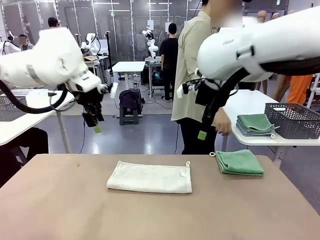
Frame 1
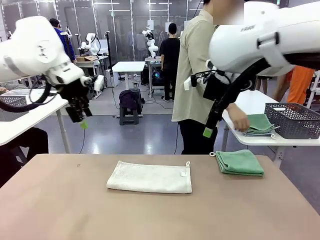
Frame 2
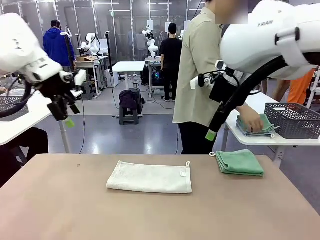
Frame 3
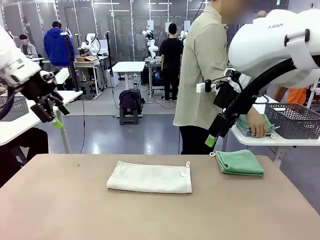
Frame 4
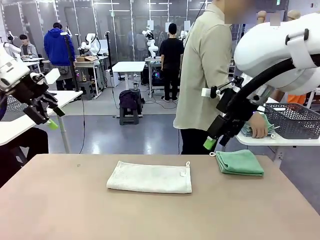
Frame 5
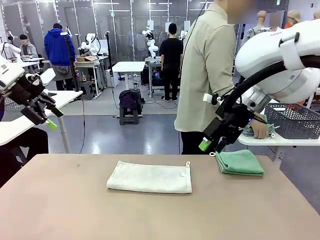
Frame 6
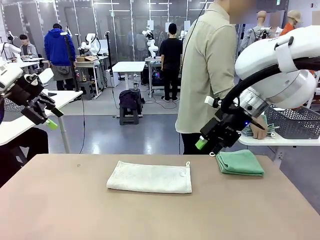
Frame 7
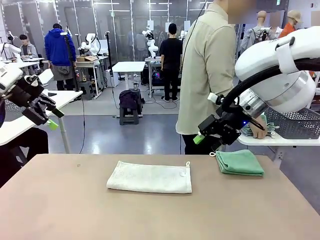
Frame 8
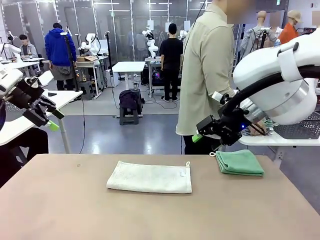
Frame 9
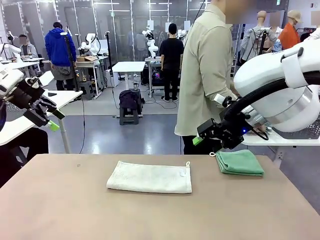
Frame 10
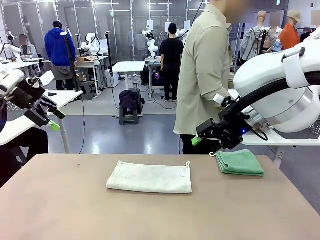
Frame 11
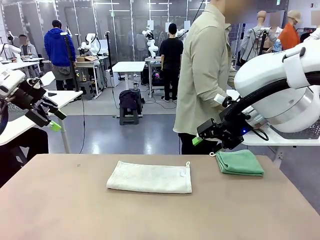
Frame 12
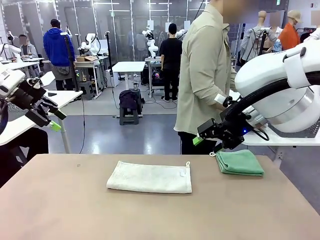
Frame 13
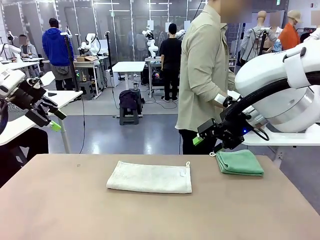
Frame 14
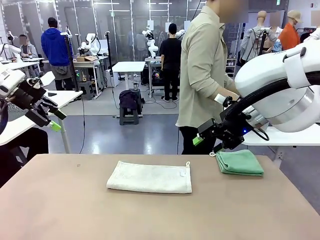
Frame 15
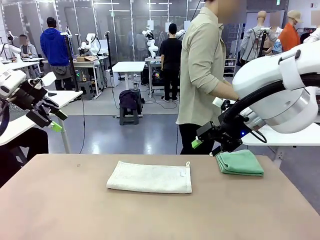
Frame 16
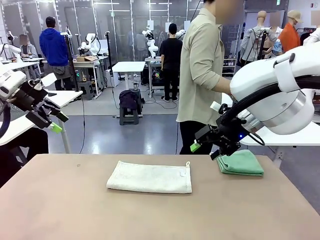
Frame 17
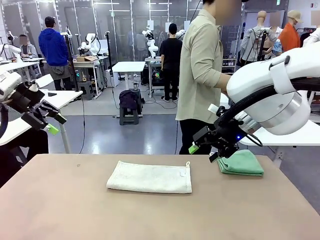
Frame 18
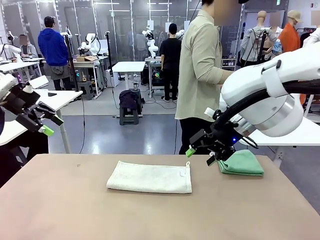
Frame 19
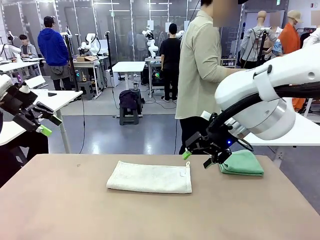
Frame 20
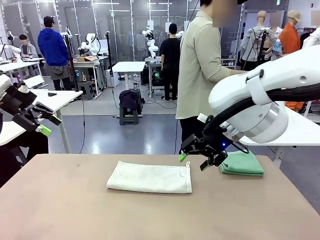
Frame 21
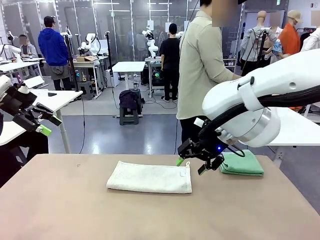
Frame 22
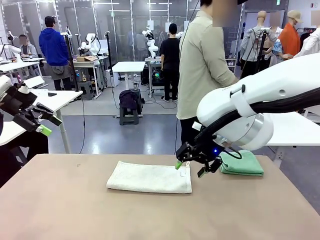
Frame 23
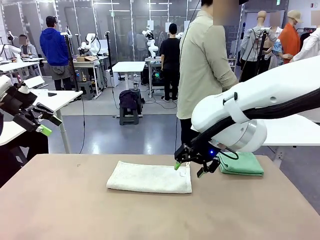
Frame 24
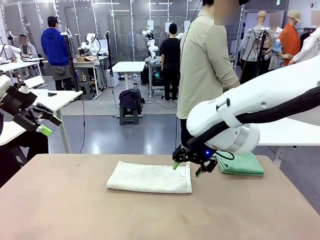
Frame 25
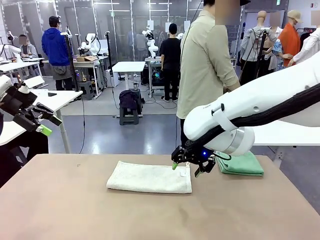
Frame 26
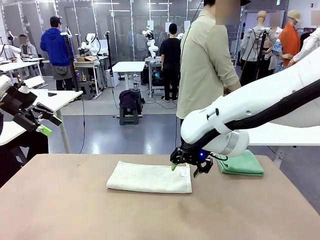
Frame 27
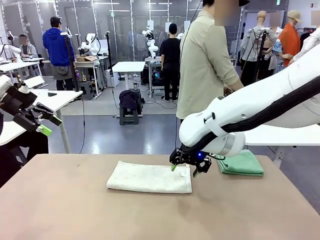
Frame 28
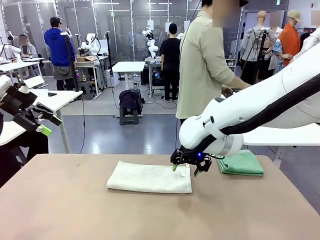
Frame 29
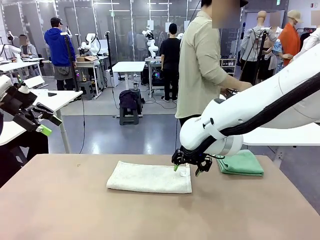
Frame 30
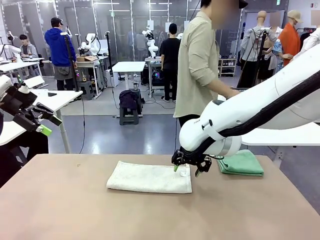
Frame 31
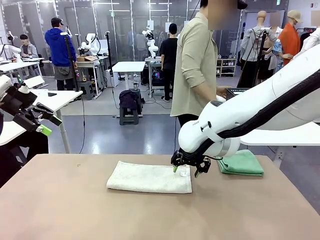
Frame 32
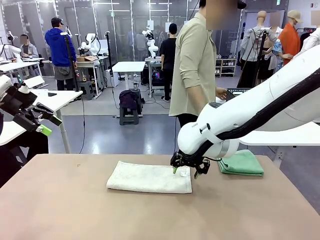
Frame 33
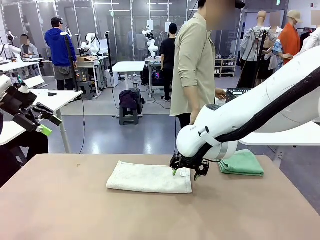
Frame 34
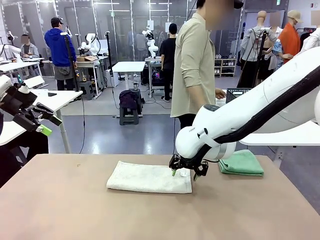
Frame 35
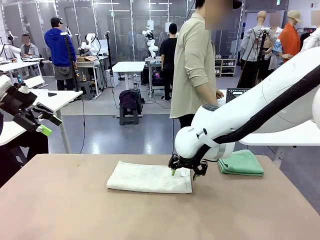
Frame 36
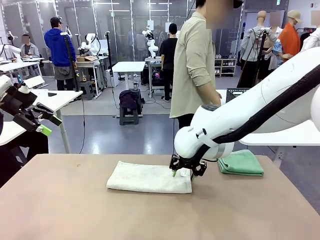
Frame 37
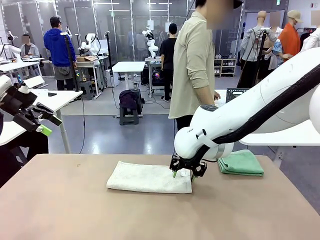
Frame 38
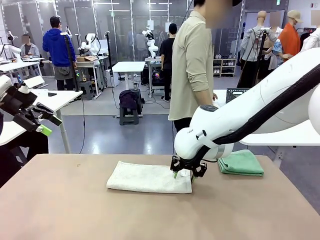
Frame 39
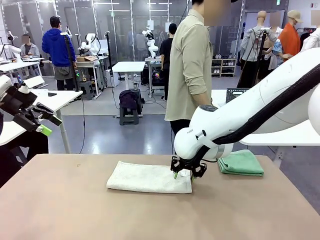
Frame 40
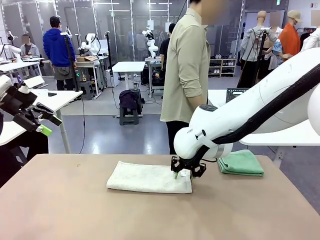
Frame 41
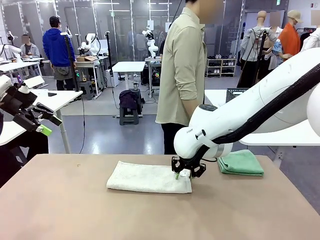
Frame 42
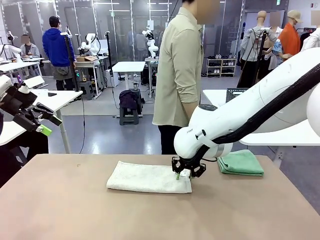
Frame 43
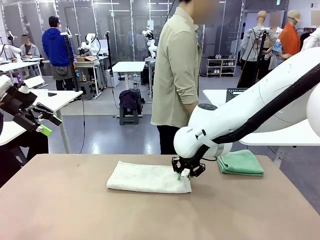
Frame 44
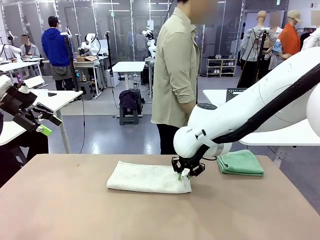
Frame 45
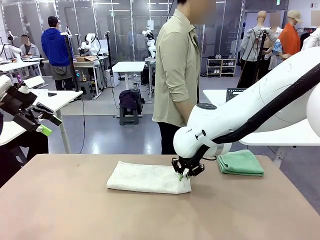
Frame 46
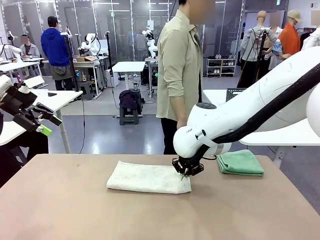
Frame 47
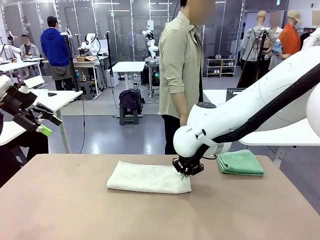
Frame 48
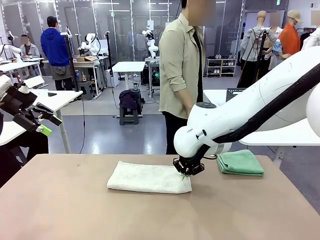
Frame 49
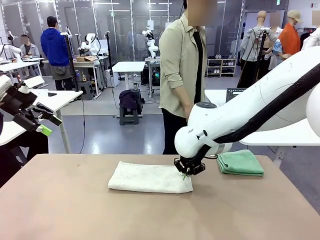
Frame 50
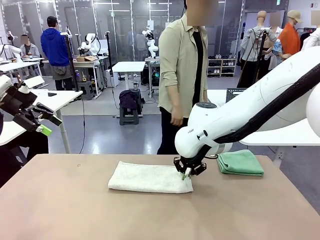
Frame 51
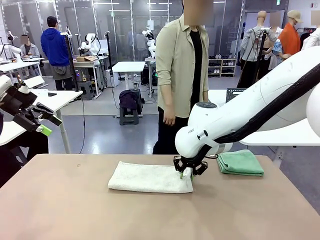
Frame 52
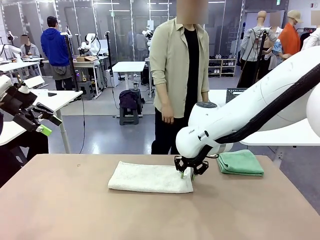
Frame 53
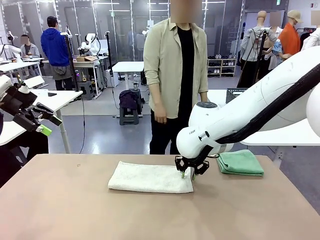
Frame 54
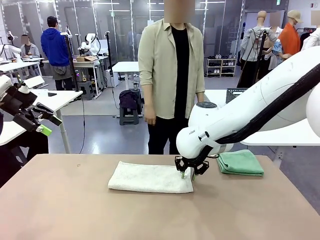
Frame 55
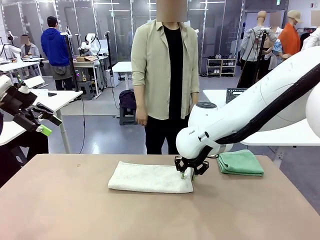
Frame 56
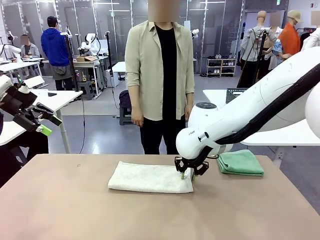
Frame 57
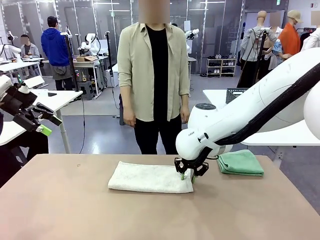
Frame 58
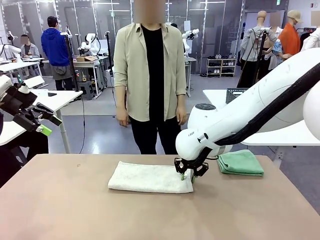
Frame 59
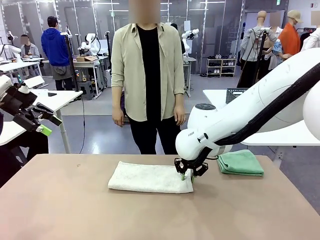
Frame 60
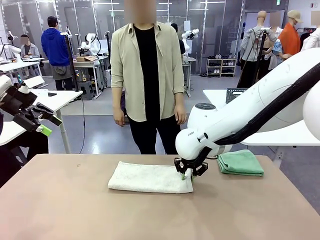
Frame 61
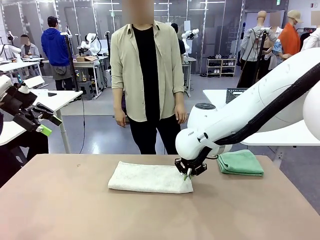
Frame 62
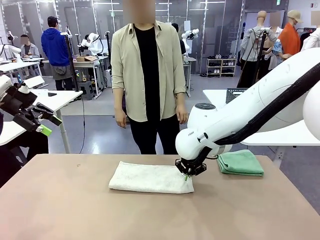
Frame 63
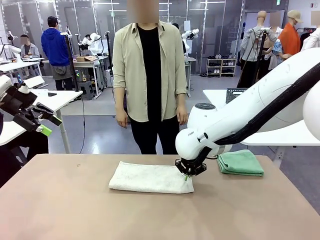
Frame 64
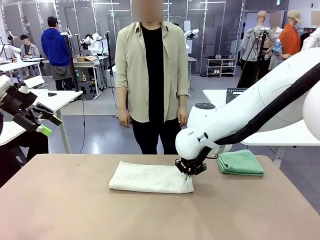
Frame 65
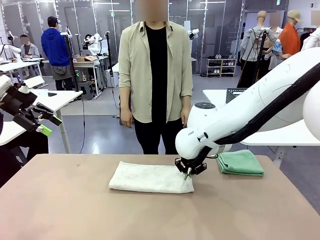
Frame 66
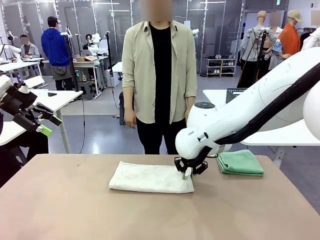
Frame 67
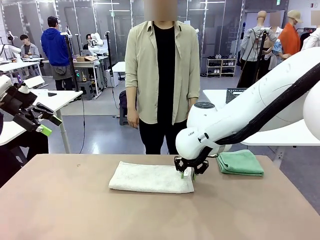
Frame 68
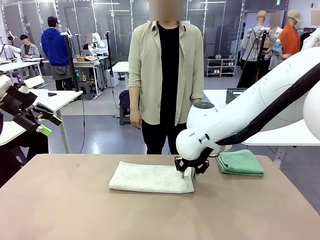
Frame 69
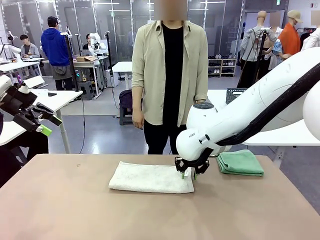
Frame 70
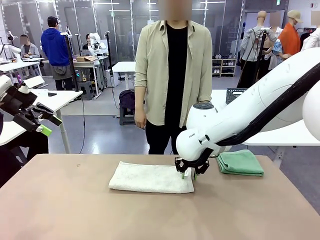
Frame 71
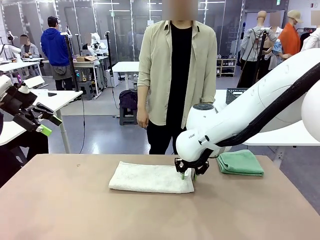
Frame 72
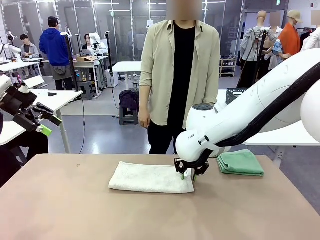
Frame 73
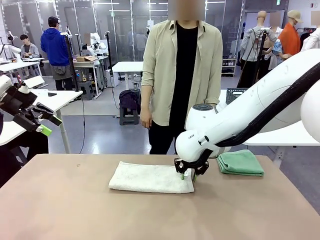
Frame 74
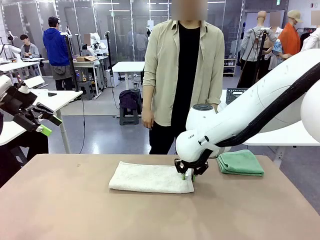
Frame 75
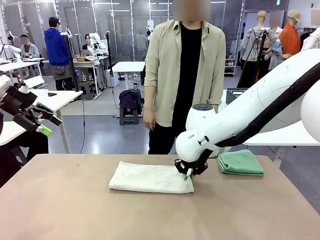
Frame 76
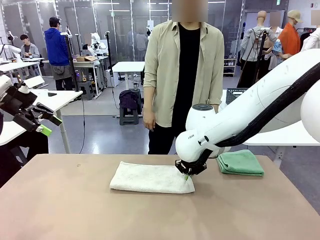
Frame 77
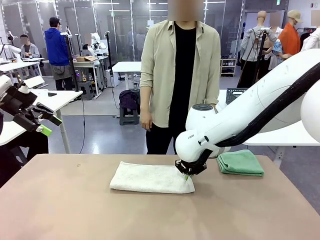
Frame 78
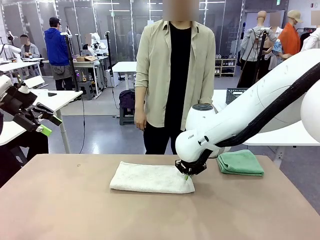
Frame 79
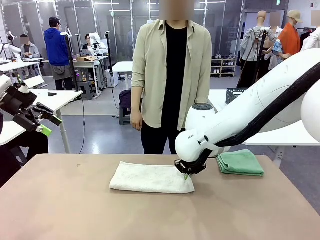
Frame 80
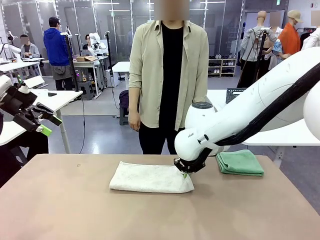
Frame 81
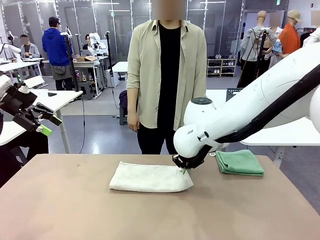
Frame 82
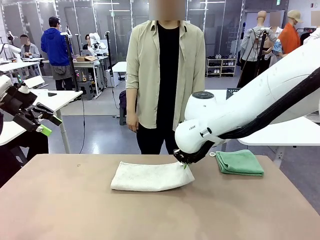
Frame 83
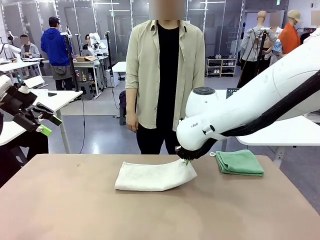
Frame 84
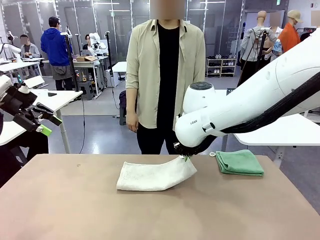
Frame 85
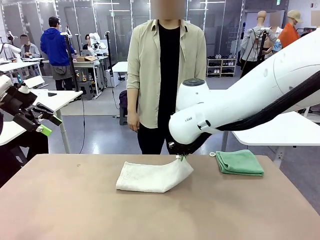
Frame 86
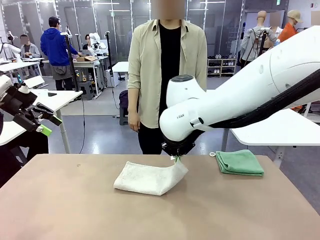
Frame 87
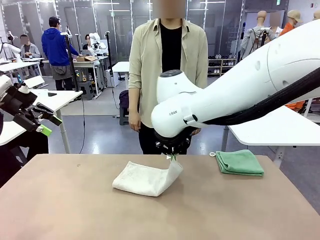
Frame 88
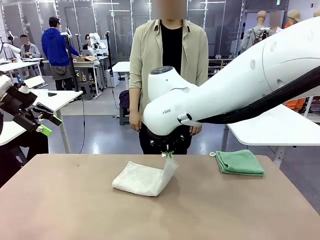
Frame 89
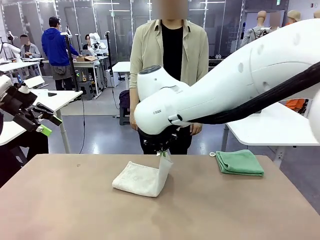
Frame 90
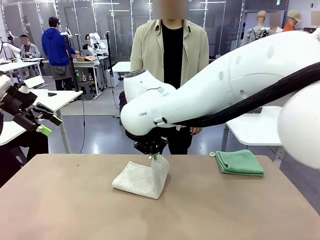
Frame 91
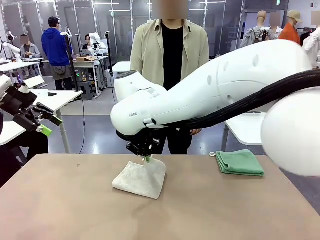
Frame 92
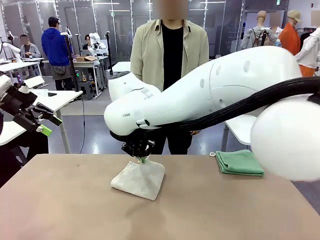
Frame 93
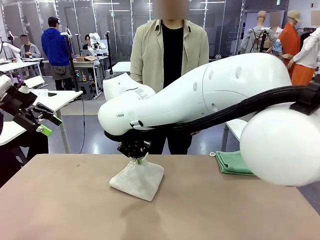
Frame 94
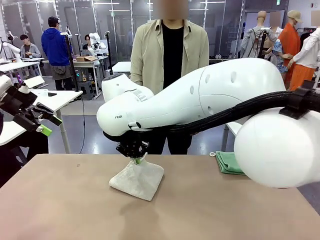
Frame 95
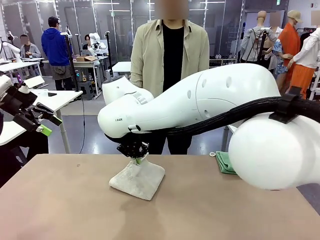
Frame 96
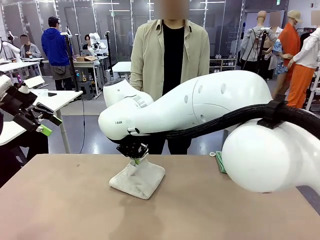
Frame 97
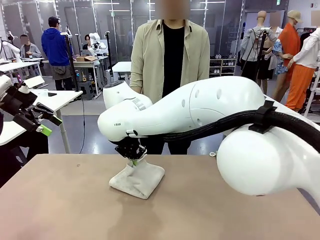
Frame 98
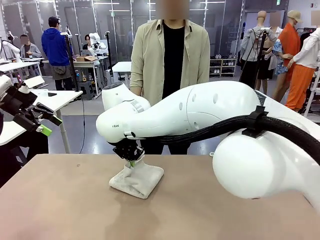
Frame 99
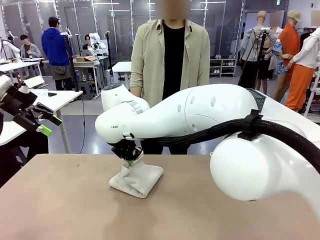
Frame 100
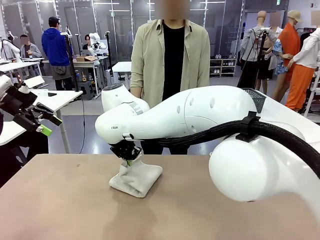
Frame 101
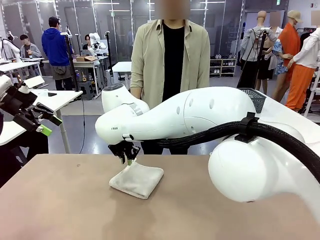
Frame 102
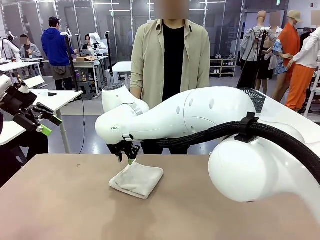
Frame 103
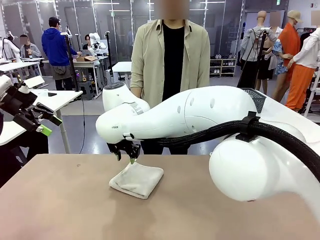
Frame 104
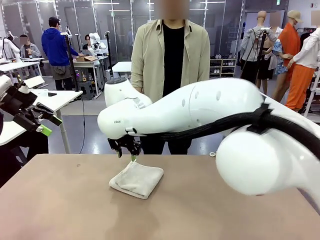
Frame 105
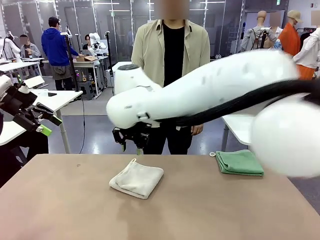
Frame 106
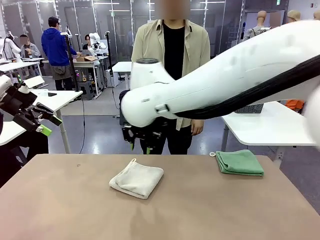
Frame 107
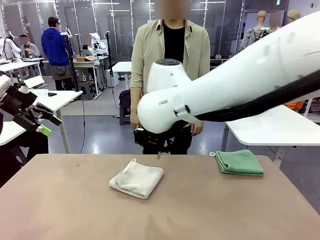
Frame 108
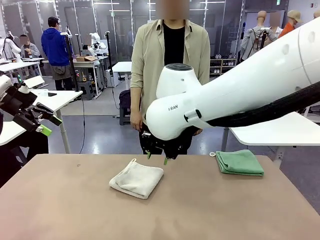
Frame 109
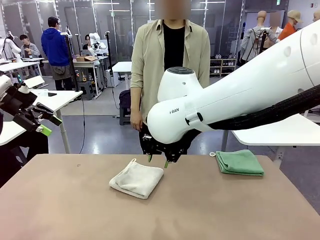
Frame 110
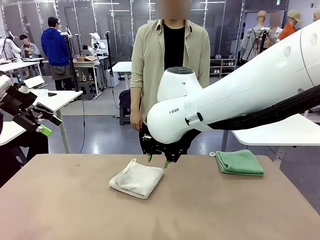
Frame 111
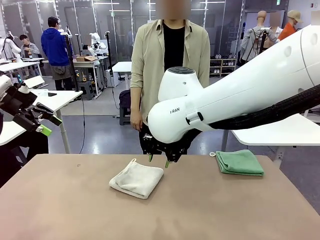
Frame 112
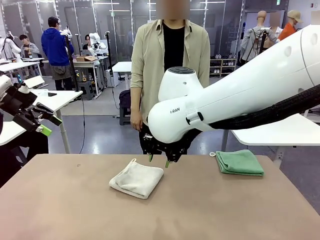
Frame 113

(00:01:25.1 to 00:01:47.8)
Task: Fold the towels and place them in the basket.
Robot: When a person lays out a Towel with hook on the table, fold it in half twice.
Person: Pick up the stack of towels from the right side of the human table, place it into the basket, and put the basket at the center of the table.
